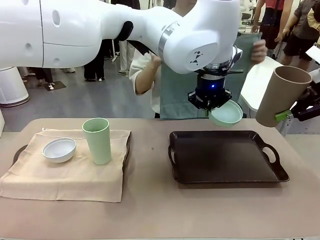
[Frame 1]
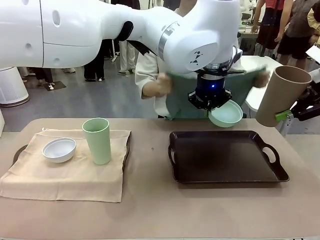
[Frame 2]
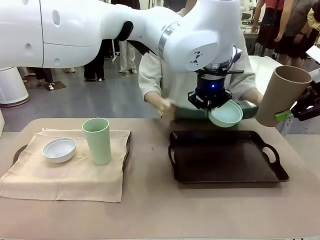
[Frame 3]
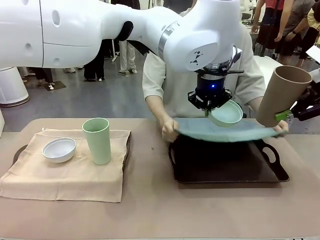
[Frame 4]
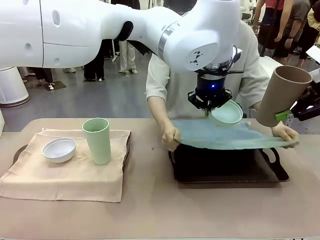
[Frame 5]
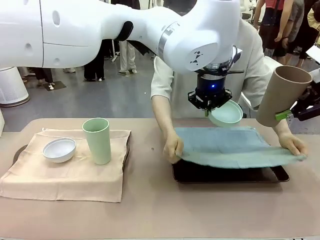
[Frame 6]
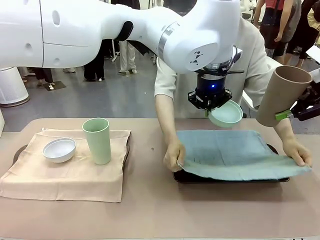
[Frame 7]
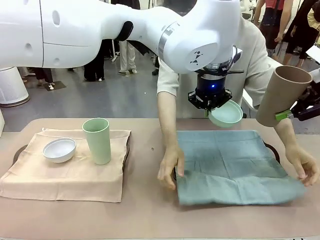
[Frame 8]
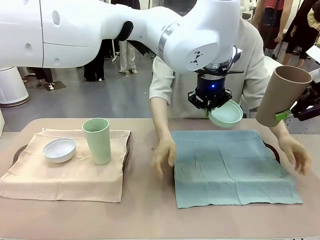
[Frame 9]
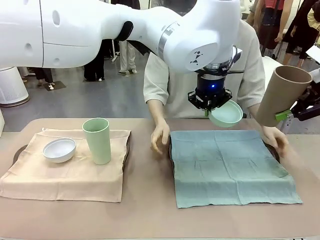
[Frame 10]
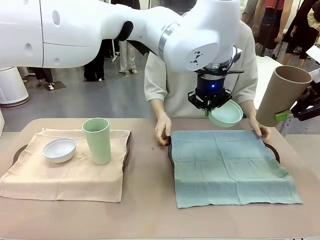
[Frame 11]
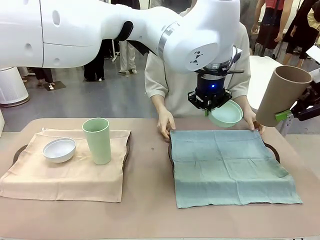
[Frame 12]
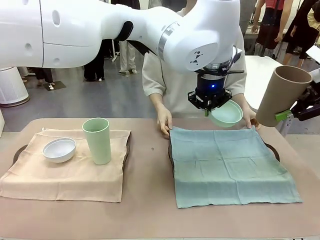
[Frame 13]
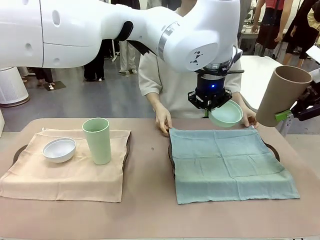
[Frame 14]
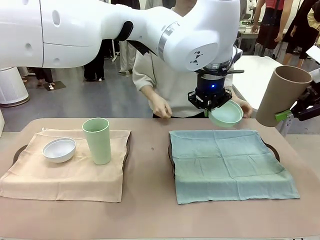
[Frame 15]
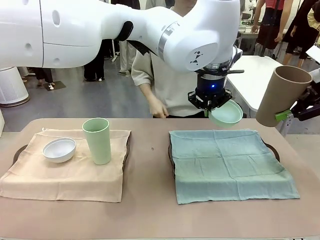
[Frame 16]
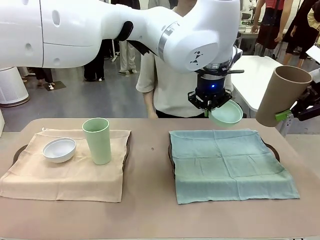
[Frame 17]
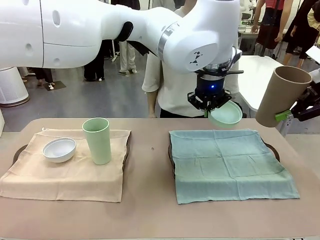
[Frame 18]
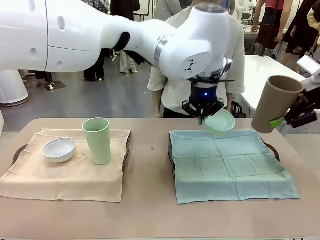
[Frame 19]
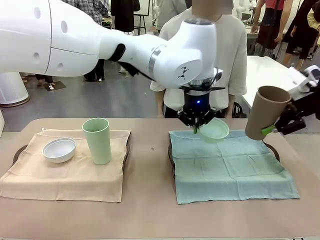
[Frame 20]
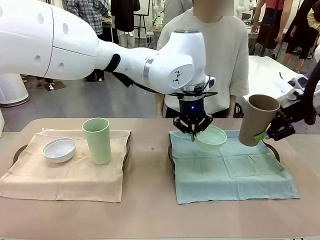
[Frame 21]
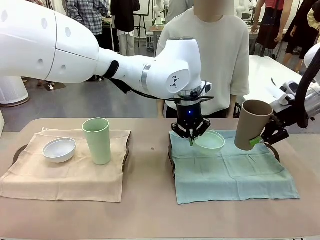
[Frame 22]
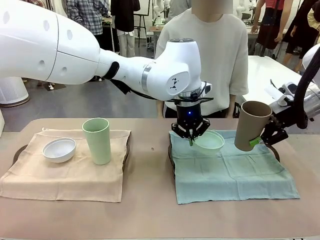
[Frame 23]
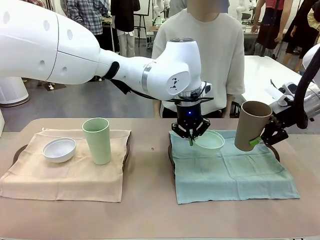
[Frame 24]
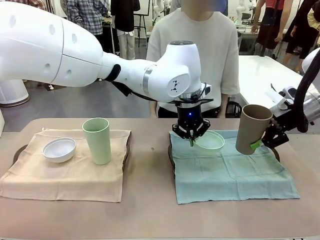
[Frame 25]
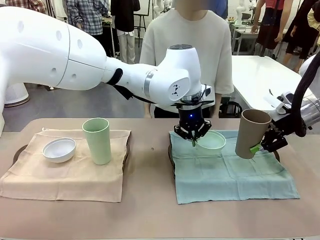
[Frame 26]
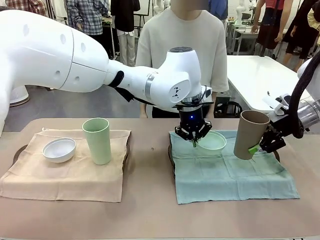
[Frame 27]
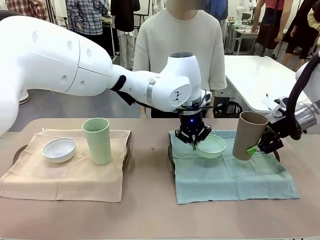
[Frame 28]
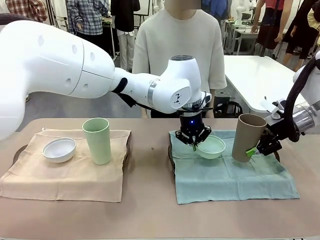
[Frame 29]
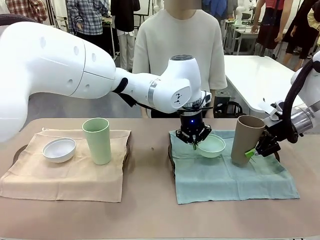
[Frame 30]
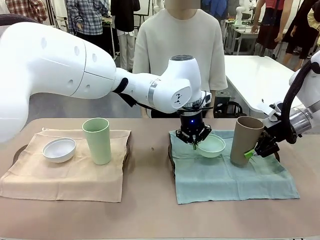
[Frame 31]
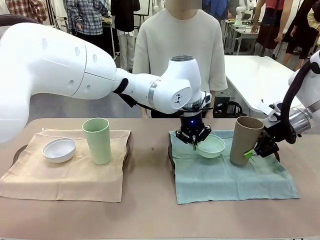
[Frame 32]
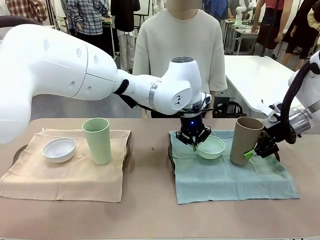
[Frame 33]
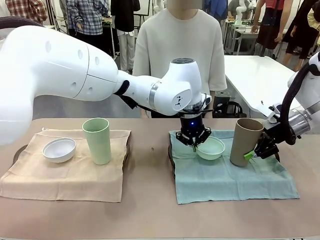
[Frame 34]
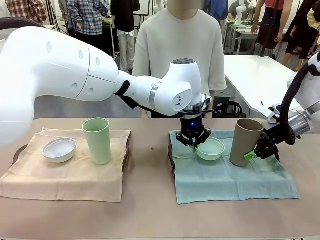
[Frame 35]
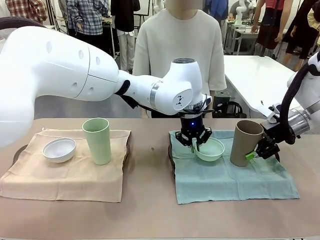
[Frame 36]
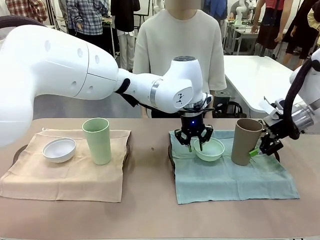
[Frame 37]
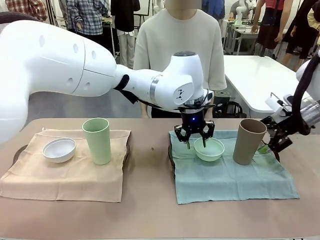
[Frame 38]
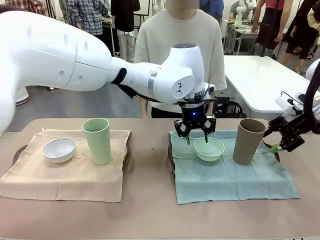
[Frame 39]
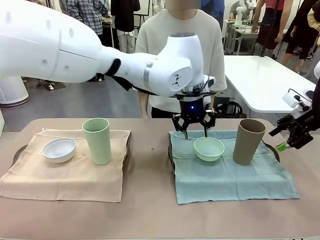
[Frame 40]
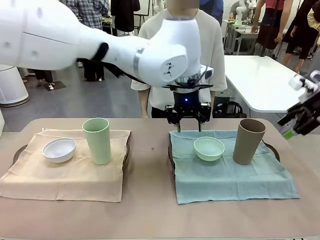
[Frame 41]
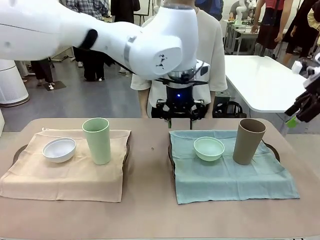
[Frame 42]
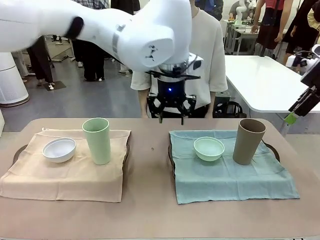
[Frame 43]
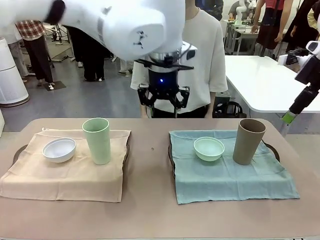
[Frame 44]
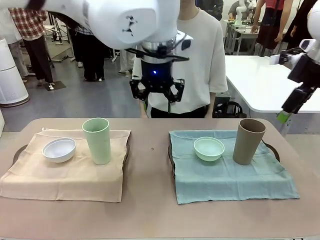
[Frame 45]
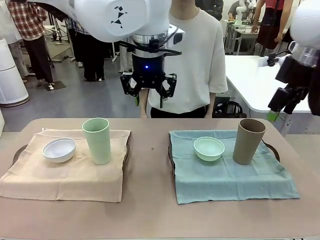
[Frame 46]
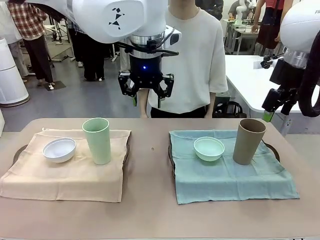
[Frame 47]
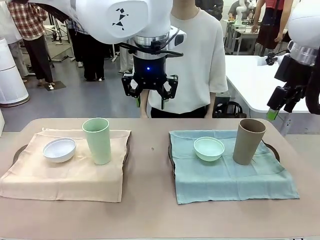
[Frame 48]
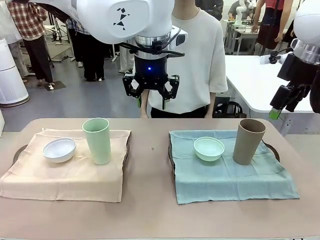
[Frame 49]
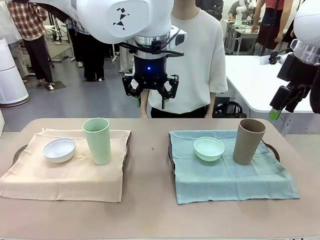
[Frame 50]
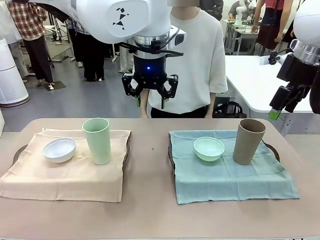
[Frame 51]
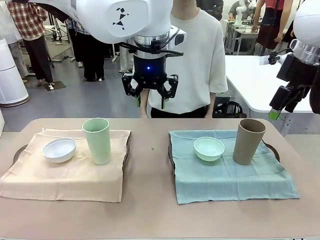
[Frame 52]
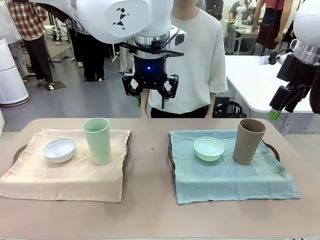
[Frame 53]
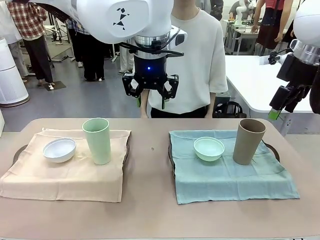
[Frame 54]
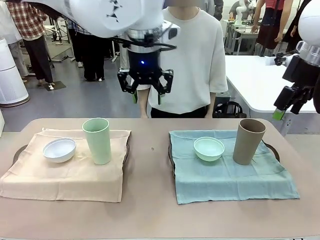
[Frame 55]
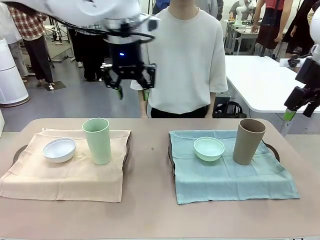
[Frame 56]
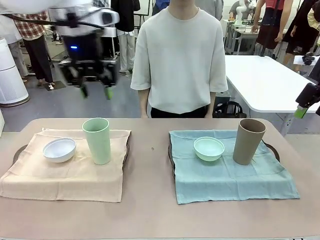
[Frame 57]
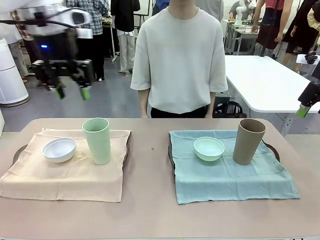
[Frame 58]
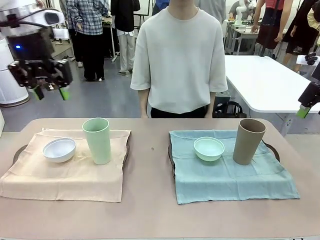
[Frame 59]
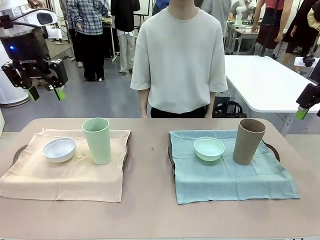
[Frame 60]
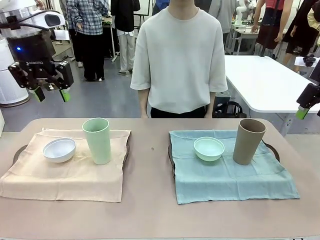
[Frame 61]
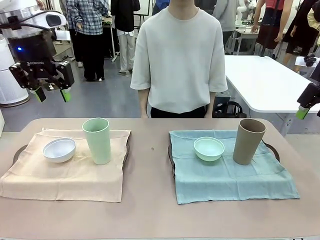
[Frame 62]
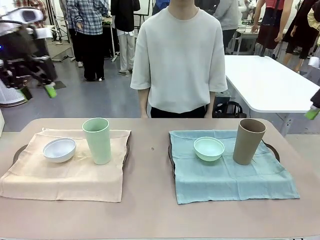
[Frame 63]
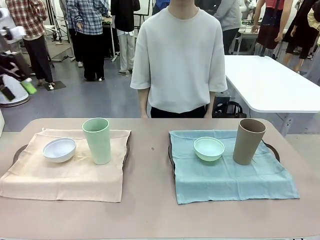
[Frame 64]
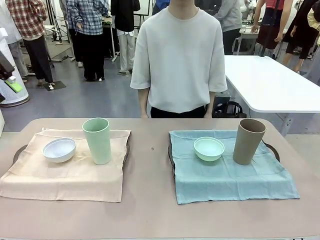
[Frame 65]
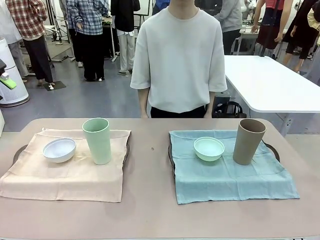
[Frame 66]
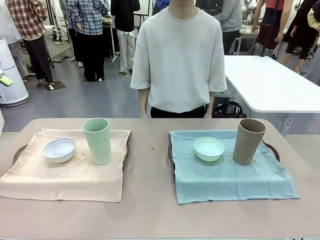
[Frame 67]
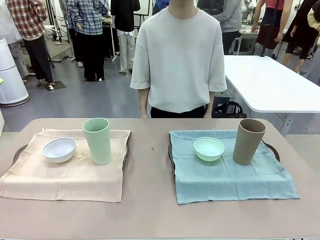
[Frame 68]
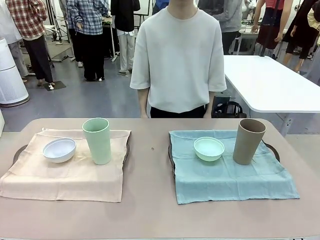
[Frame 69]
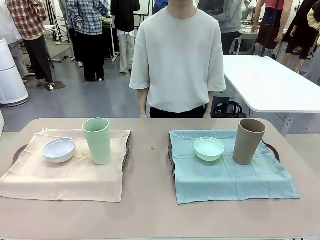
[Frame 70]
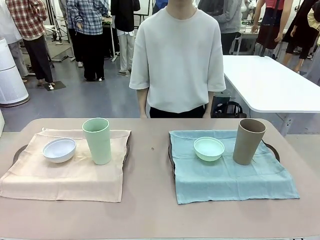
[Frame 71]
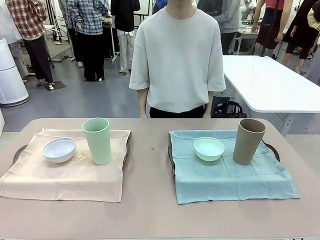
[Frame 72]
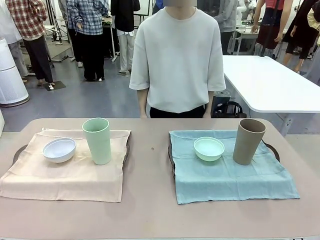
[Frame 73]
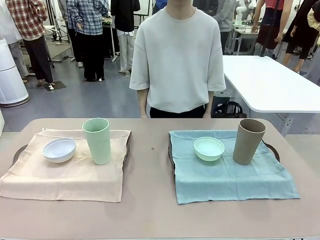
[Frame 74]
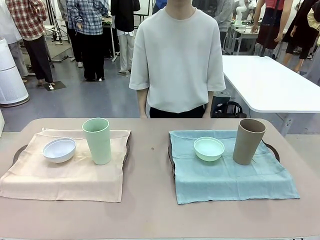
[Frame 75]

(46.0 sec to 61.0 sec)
Robot: Place the Picnic Bowl and Reusable plastic cup back onto the Handle tray in front of the human's position.
Person: When the robot lifts the bowl and the cup, the human unfolds the napkin and lays the napkin flat on the tray.

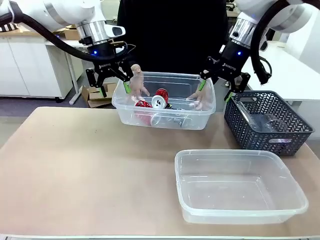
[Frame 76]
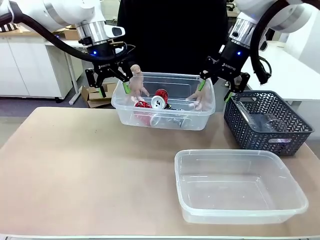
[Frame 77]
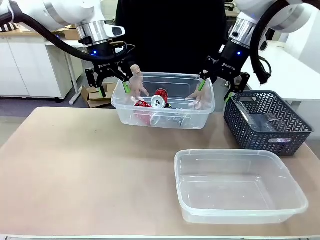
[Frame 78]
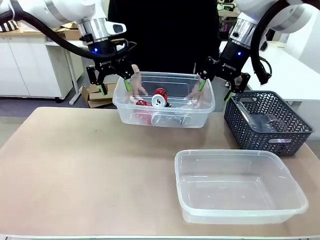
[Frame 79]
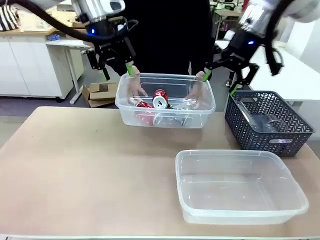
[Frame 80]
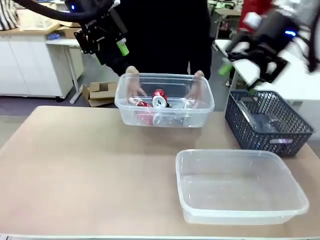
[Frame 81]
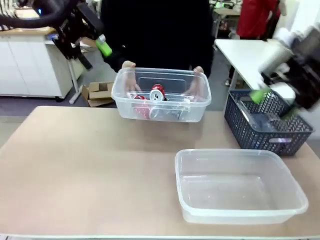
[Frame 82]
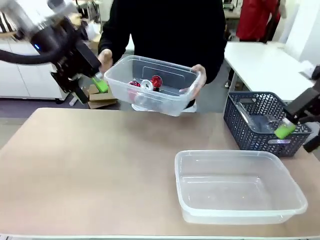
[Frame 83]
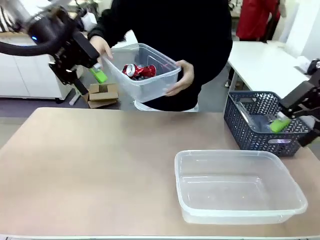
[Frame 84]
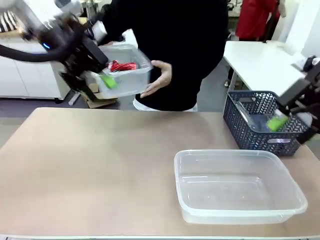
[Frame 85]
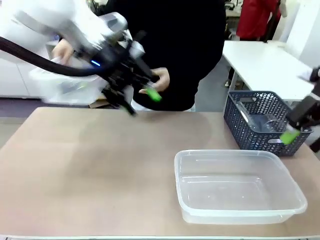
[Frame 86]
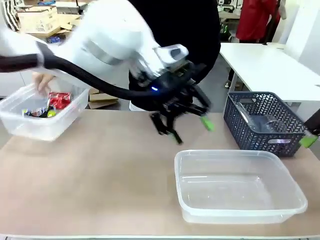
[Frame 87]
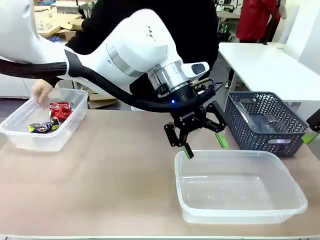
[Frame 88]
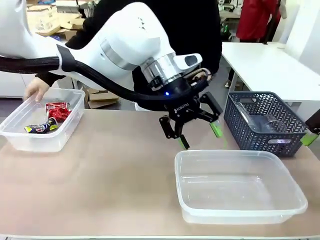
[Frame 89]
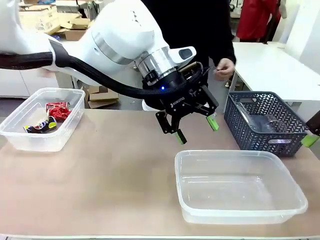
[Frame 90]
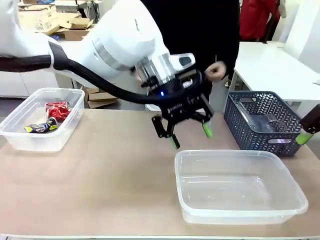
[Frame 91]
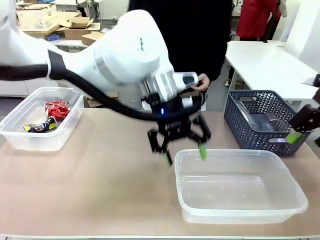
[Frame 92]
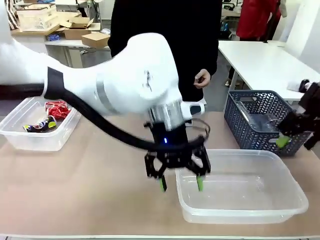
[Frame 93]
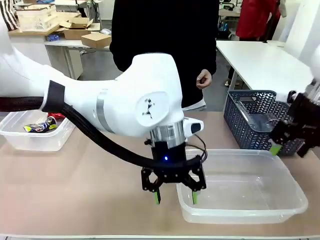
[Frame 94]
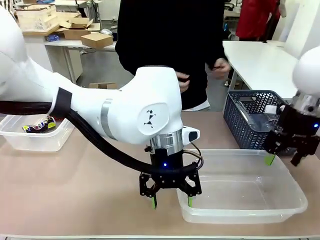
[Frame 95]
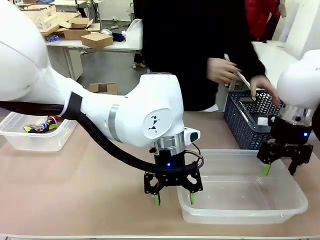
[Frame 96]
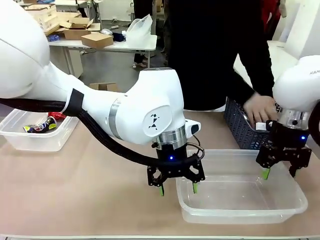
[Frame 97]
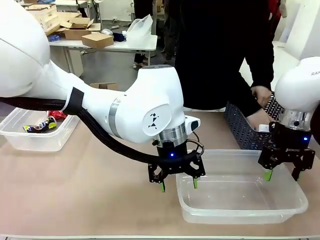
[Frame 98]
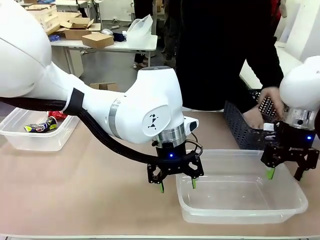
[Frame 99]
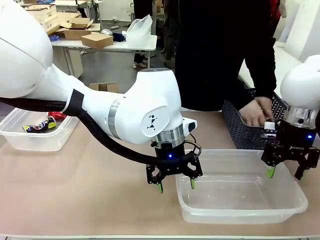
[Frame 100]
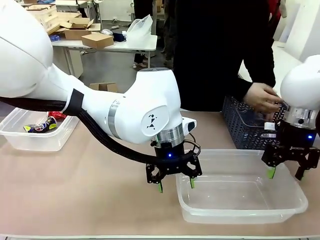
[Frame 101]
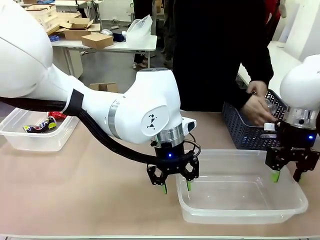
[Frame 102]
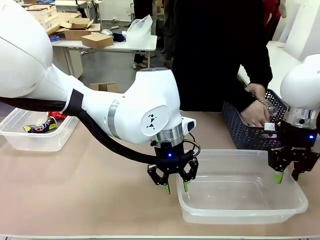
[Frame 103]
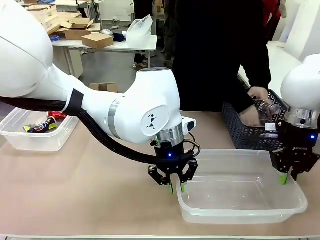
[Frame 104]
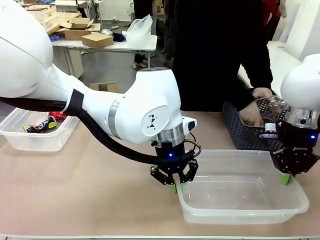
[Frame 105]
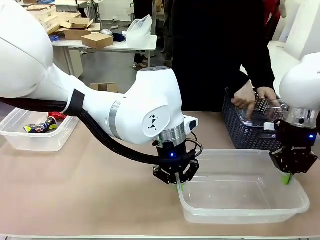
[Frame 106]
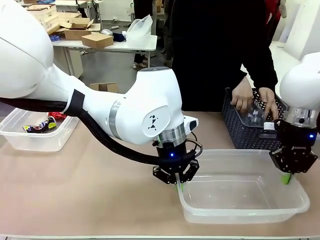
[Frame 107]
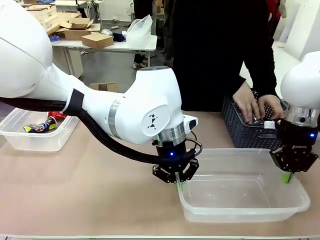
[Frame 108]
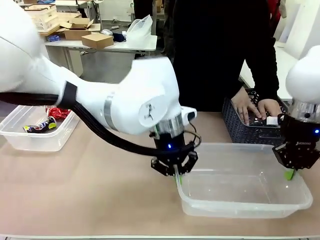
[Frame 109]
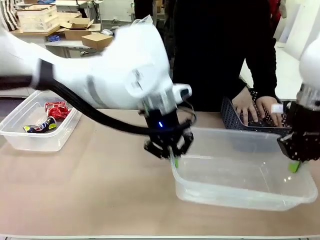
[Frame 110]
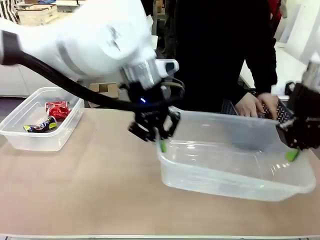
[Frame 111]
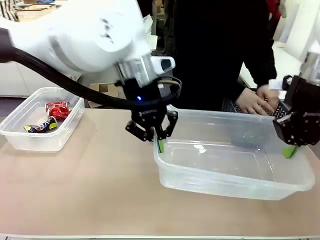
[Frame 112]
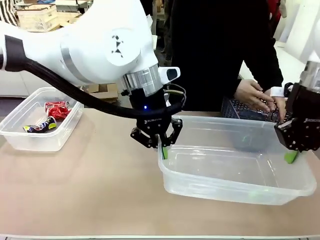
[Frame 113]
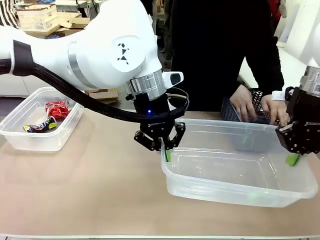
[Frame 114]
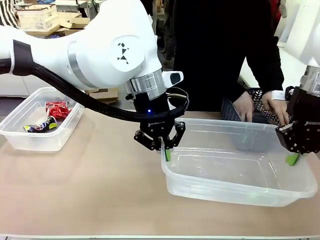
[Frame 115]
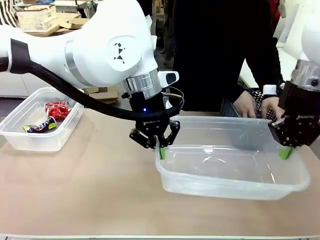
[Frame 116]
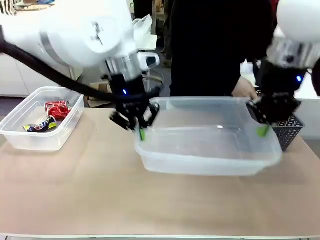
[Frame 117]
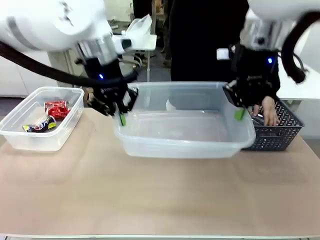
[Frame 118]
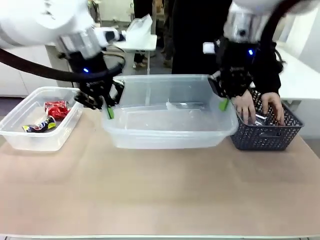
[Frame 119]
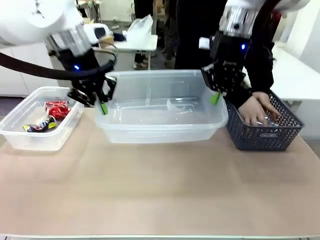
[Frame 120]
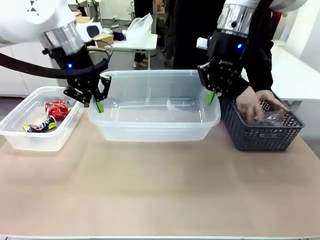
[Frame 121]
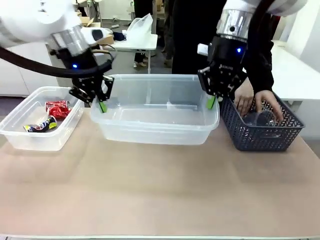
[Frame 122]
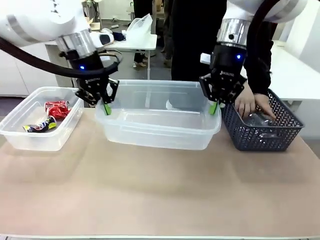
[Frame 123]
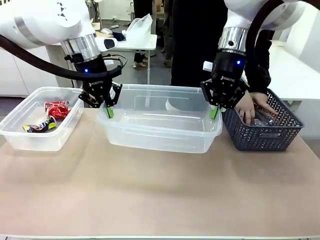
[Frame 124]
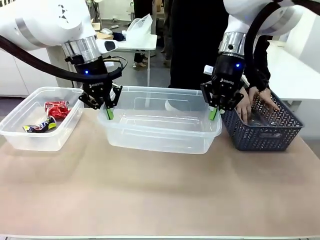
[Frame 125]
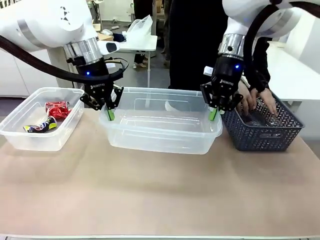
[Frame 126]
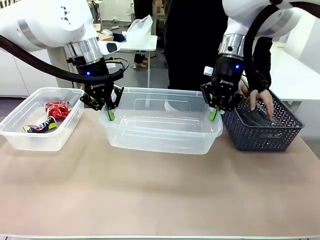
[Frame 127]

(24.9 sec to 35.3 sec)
Robot: Pick up the Organizing box on the right side of the table and lift it.
Person: Place it at the edge of the bottom right area of the robot table. Pick up plastic waste one by one and place it into the organizing box lifted by the robot.
